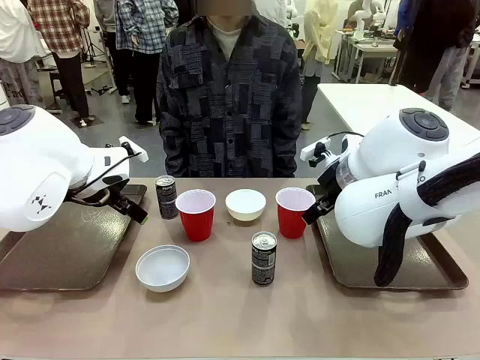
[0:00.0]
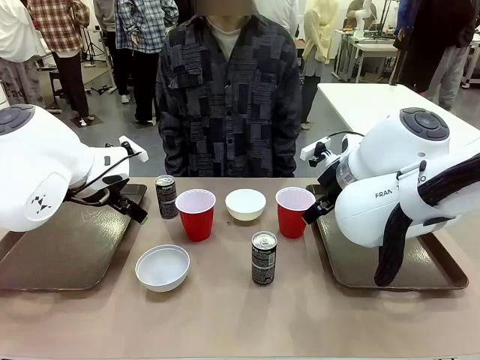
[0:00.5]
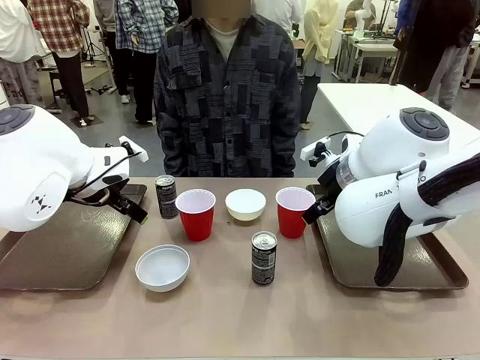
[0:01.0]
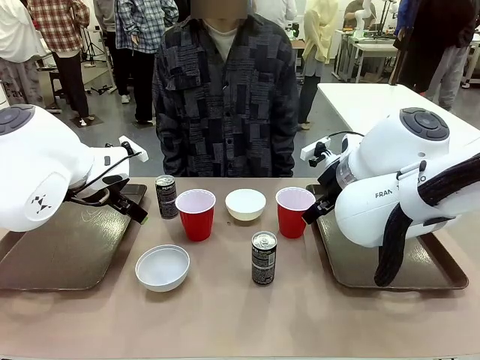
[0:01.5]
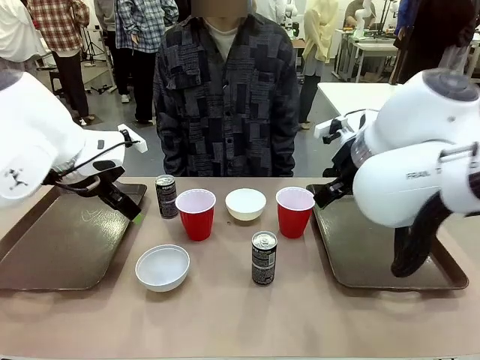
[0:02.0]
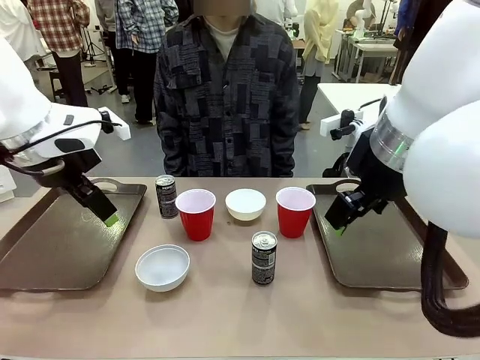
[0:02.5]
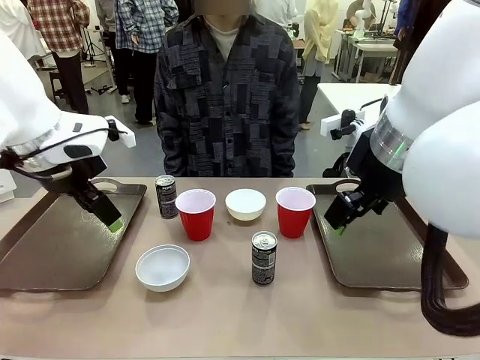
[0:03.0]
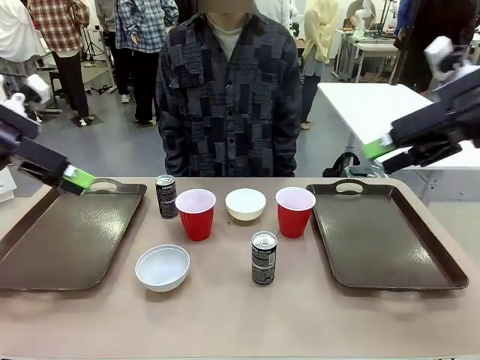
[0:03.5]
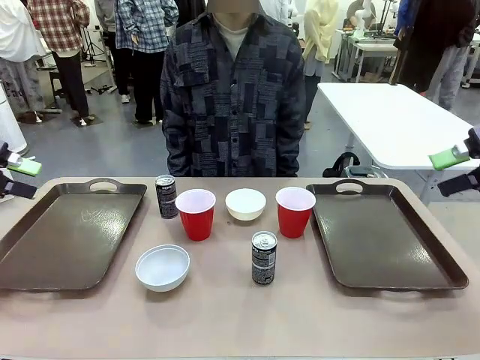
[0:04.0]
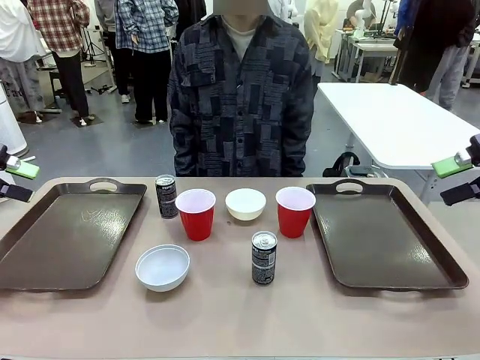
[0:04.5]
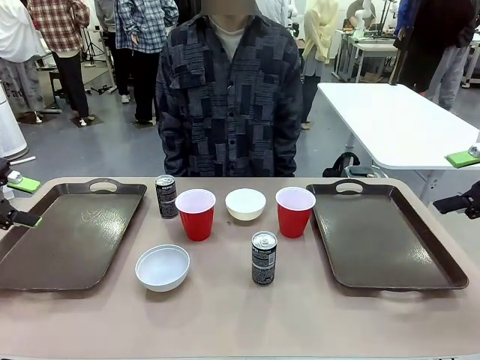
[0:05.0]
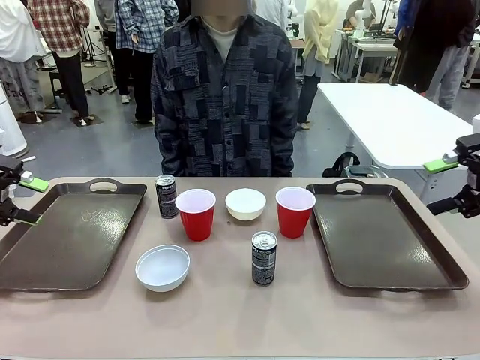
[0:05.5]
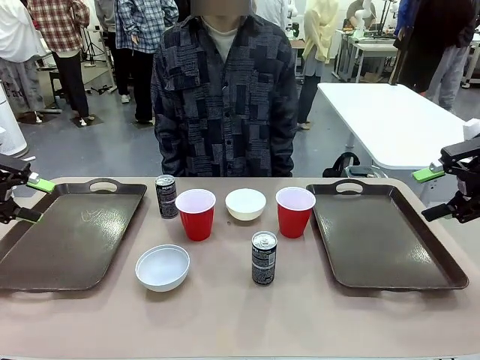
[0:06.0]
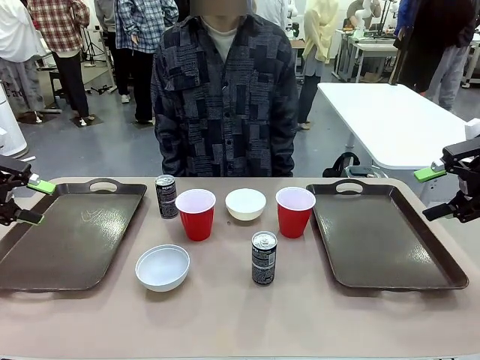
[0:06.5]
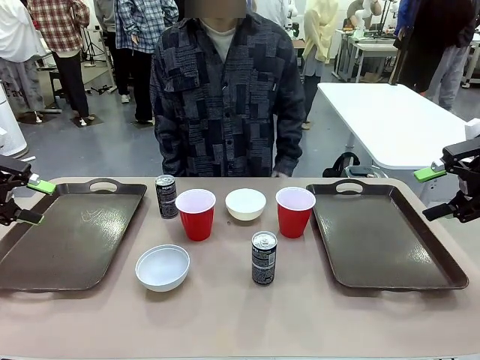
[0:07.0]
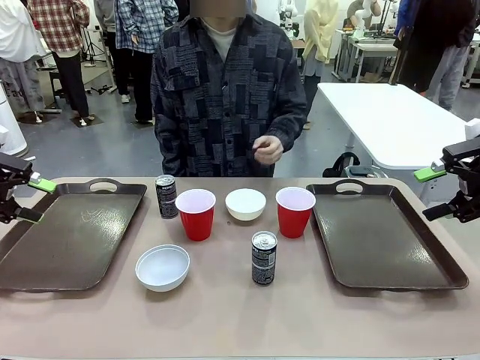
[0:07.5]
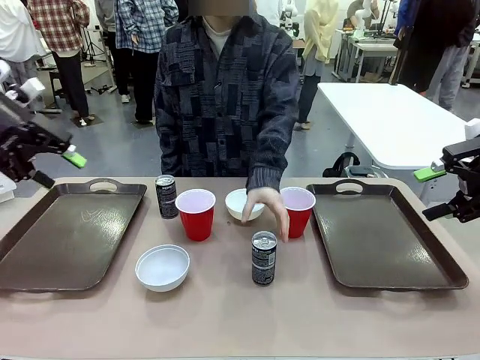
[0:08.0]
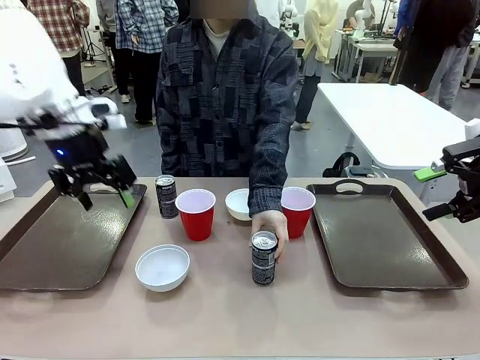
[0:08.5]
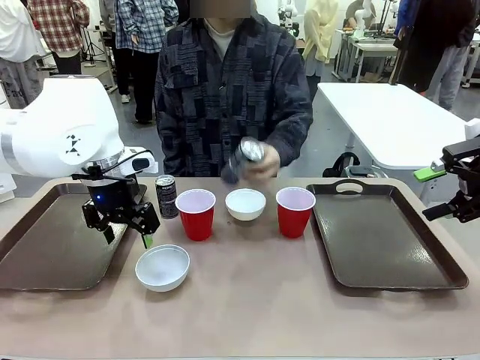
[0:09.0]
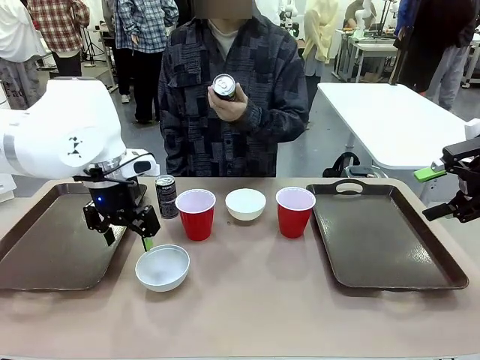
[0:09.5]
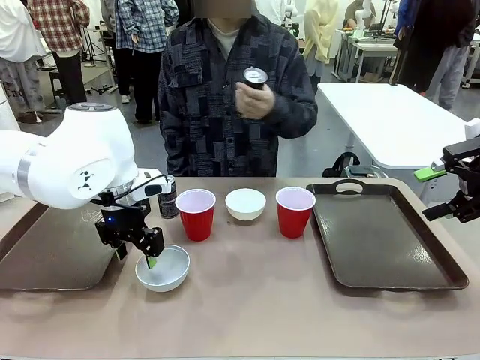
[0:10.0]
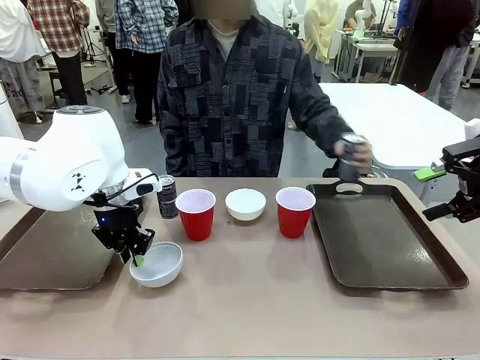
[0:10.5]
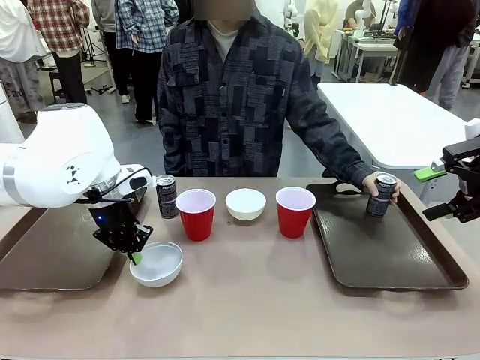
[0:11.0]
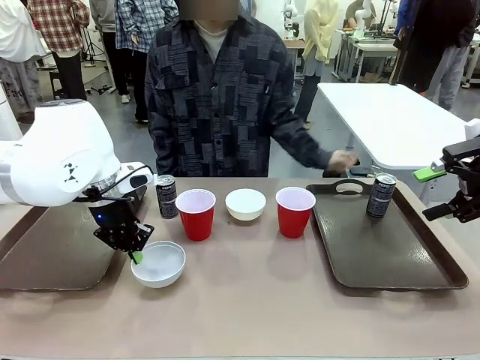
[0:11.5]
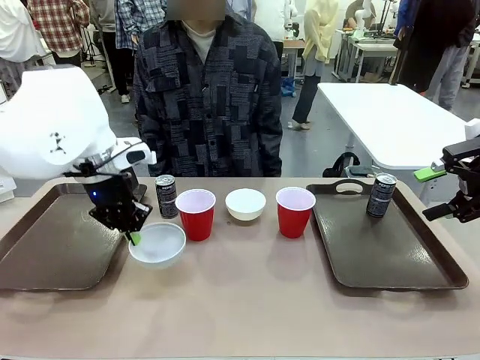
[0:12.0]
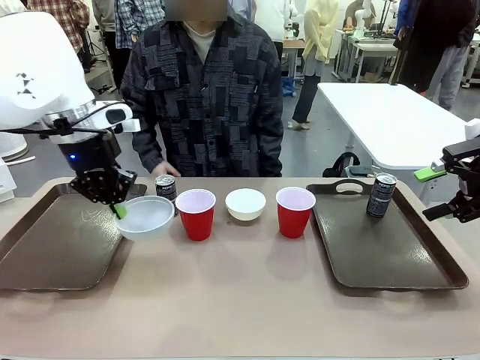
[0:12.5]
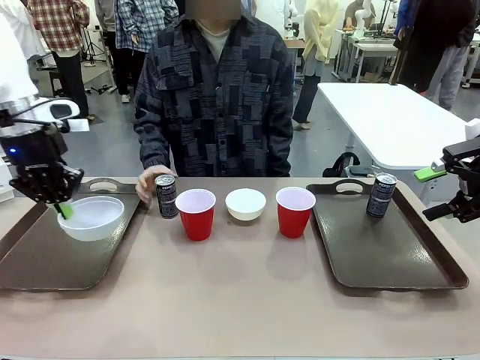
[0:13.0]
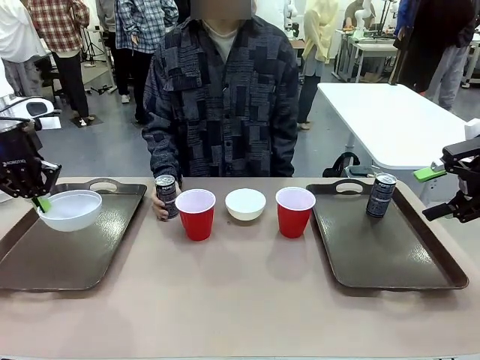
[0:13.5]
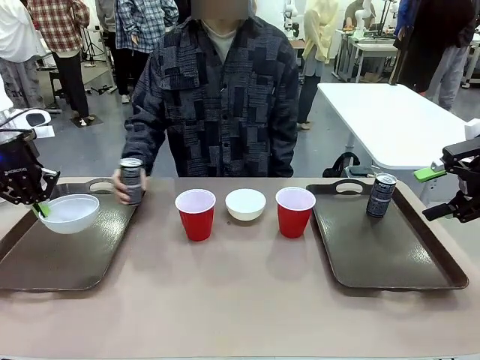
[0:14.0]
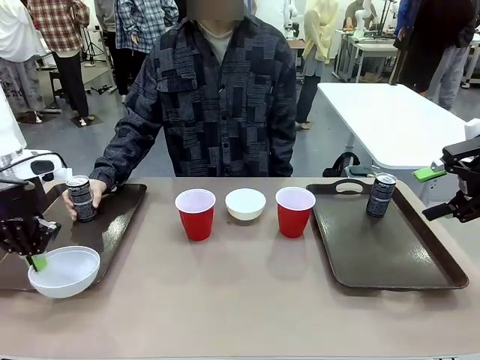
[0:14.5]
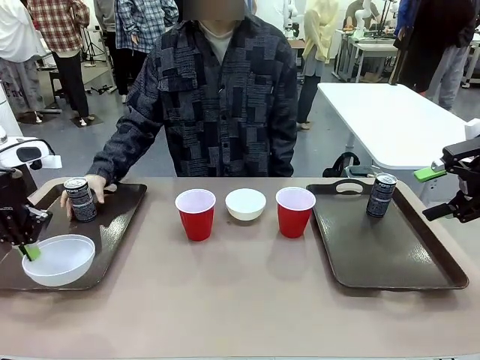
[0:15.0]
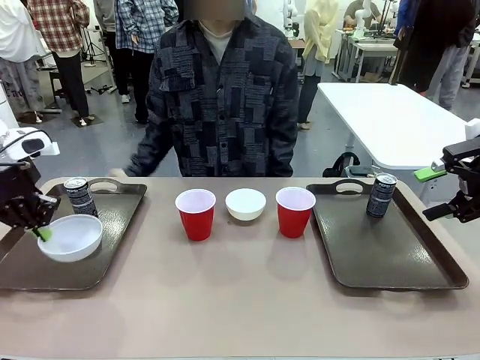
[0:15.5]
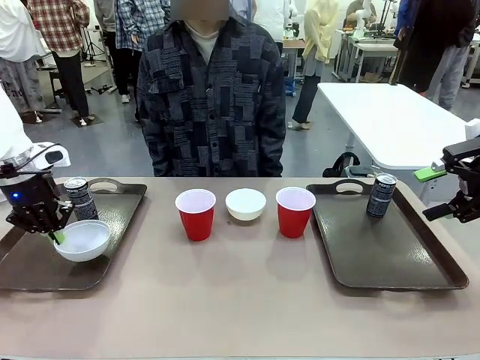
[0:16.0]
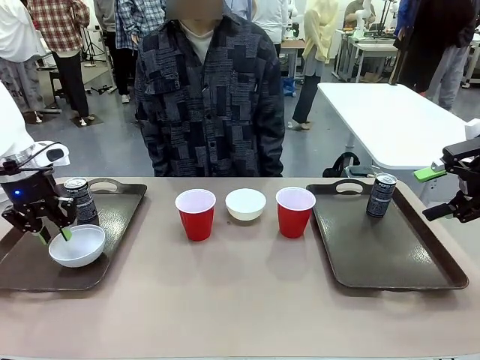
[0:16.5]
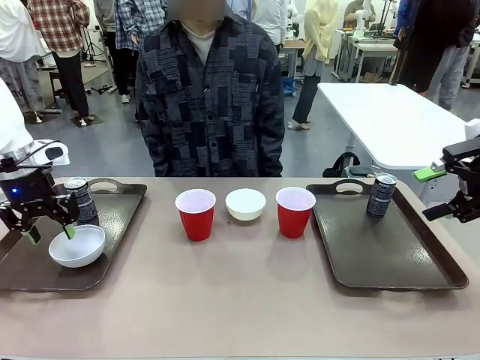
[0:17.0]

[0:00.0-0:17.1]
Task: Prepare tableware on both trays.
Robot: Pick up a Picnic Bowl from the table and place it on a Handle tray.
Person: Pick up a can or cup and place it on the tray.

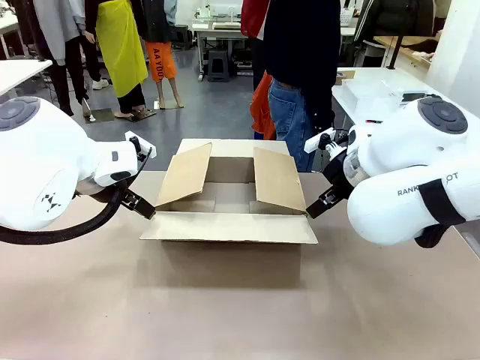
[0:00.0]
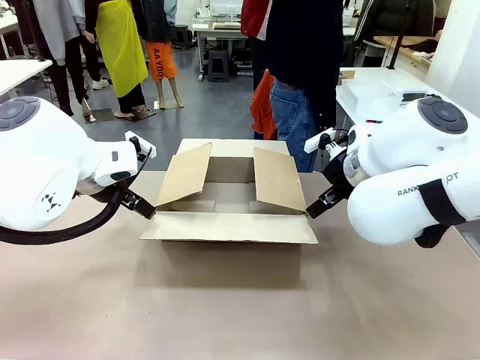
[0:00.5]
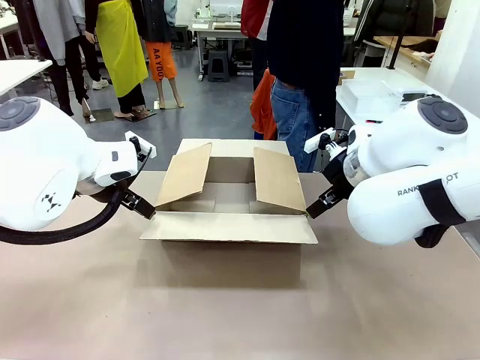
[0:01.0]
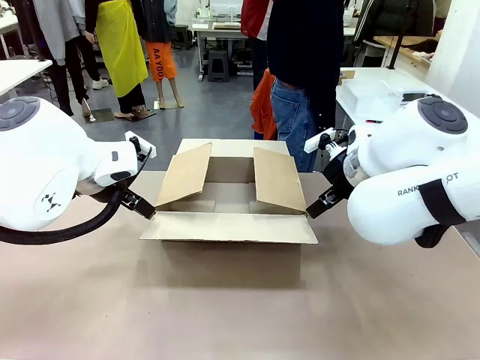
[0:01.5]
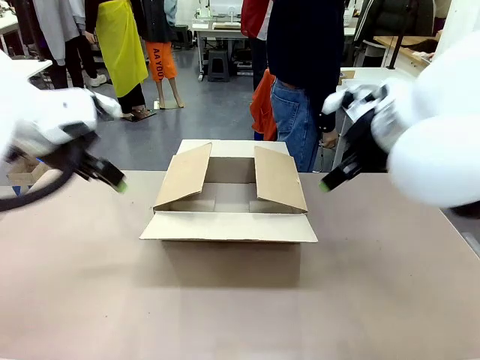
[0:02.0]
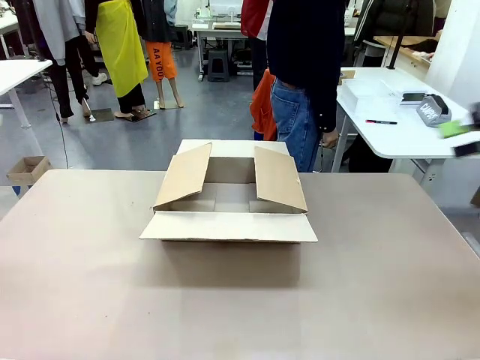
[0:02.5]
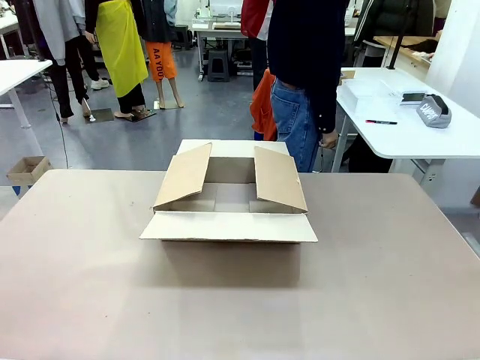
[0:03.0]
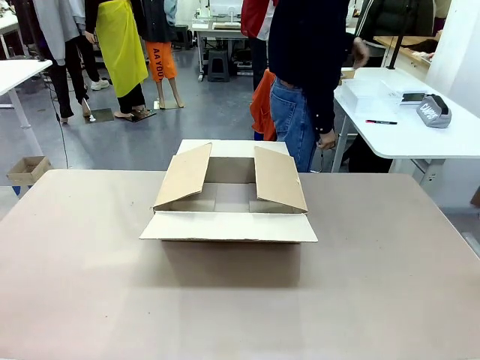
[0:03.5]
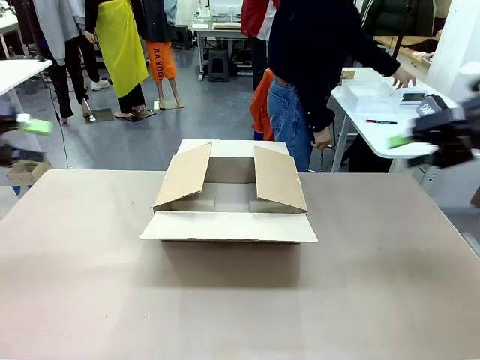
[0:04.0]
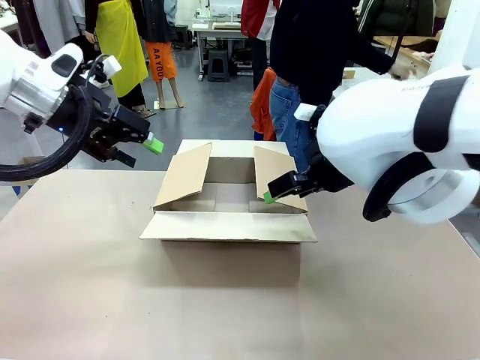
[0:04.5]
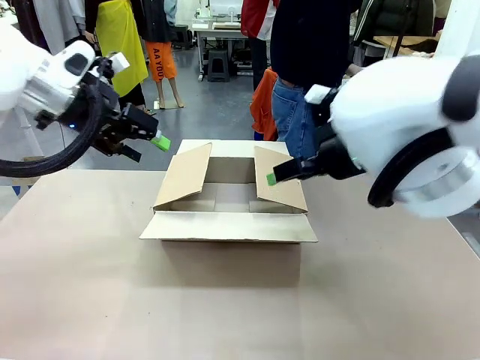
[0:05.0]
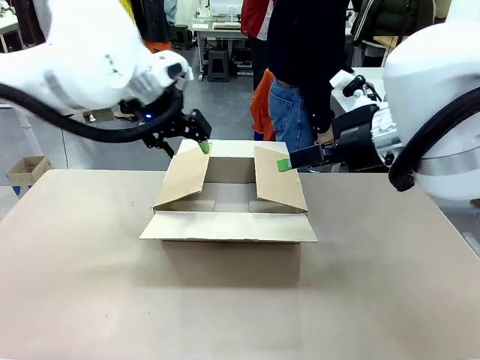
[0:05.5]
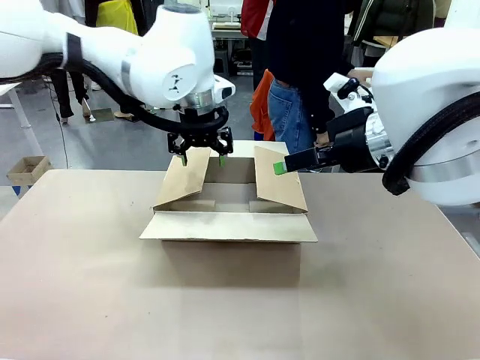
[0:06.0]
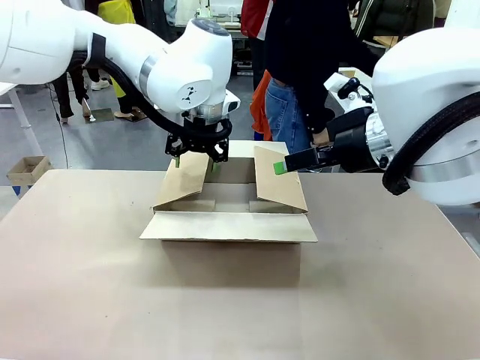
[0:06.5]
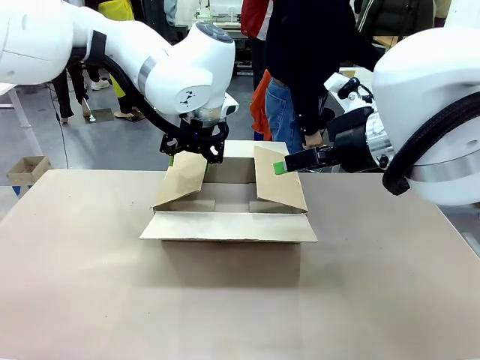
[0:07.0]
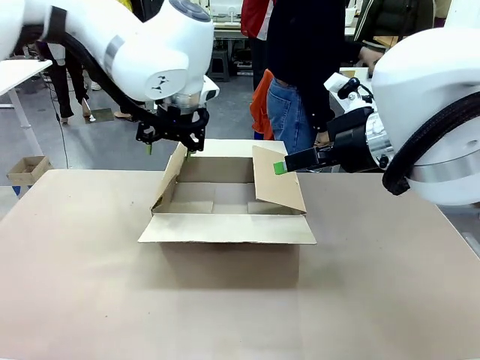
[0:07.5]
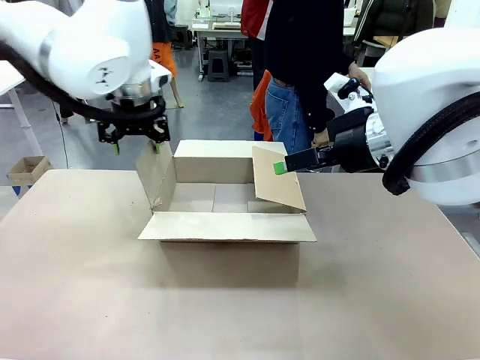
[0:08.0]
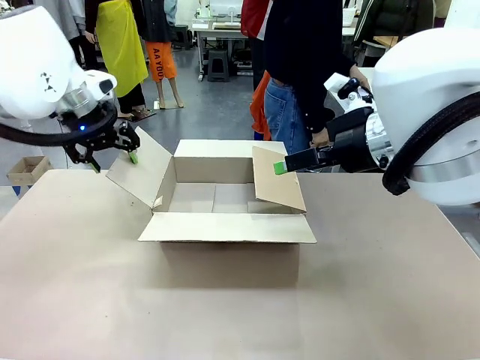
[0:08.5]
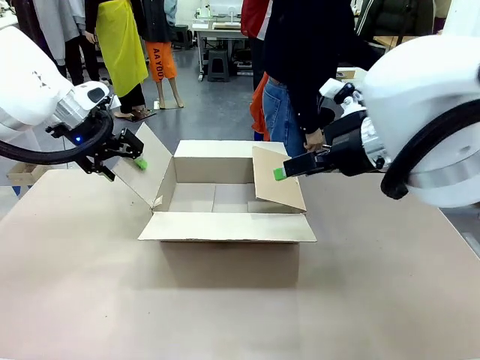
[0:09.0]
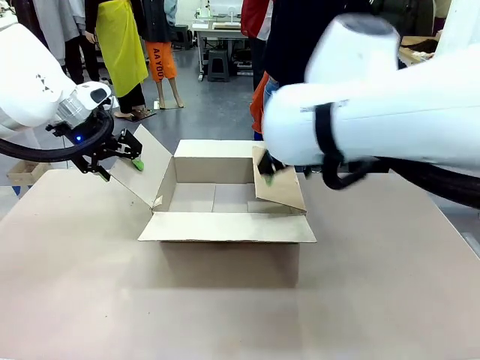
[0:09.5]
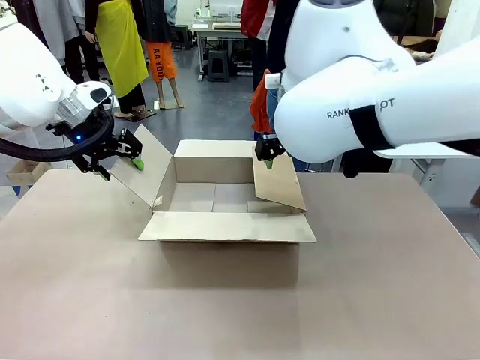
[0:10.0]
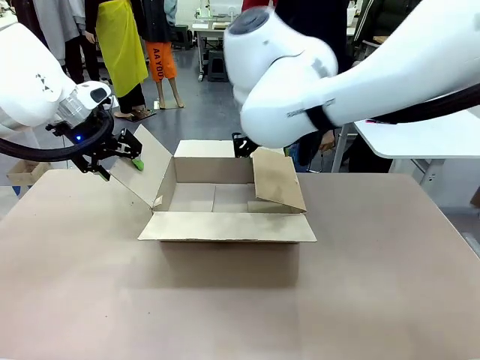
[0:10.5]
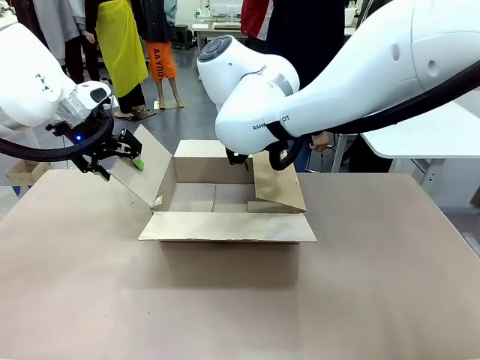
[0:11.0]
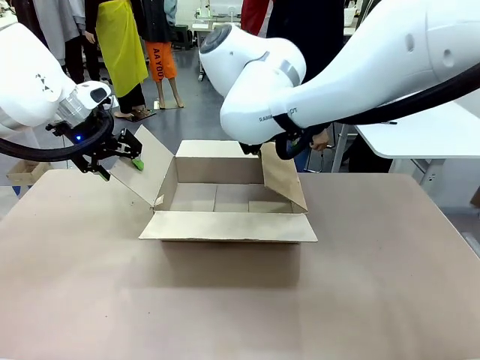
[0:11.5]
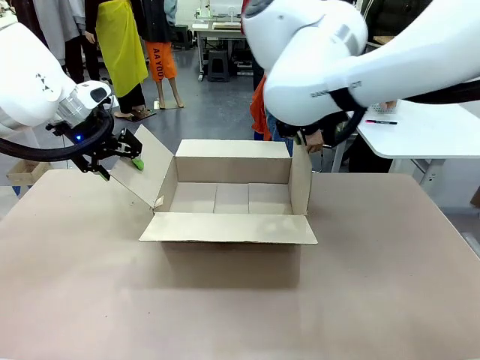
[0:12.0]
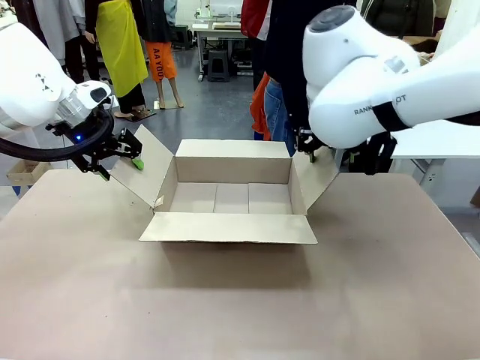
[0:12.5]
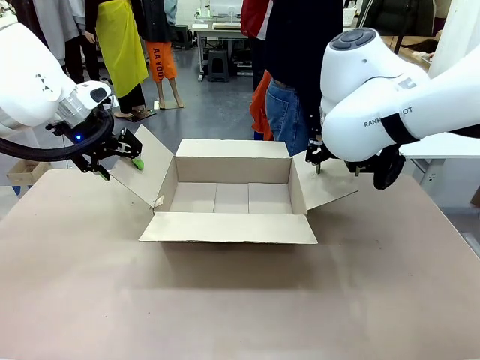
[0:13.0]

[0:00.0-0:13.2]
Task: Pack the gift set into the box.
Robot: Place both hands on the side flaps of the Package Box and spread them outward.
Person: The human places all items except the paper tape into the organizing basket.
